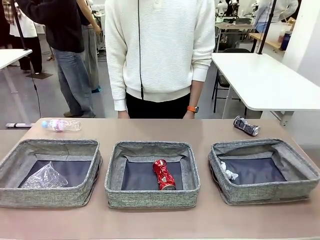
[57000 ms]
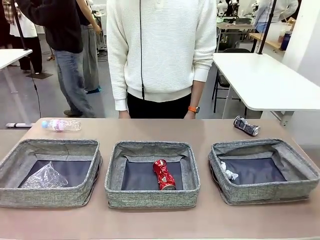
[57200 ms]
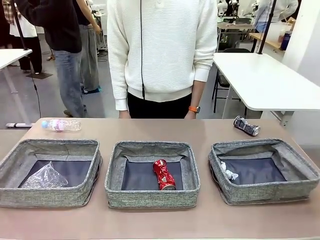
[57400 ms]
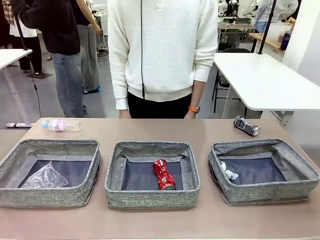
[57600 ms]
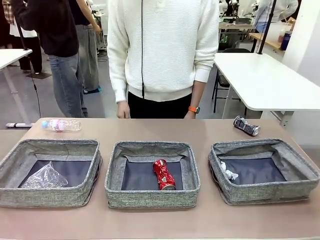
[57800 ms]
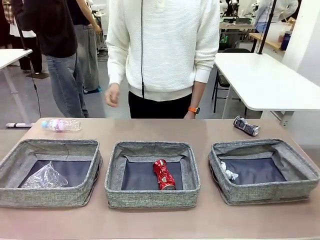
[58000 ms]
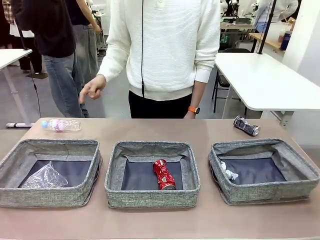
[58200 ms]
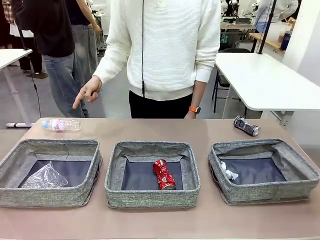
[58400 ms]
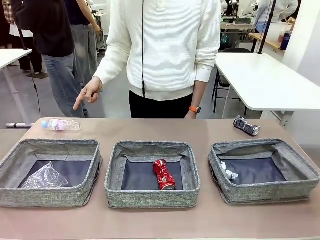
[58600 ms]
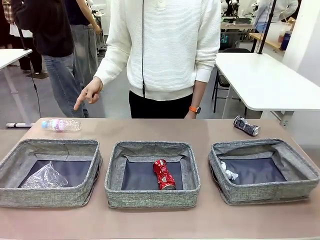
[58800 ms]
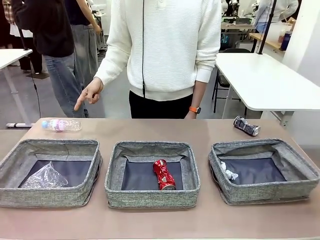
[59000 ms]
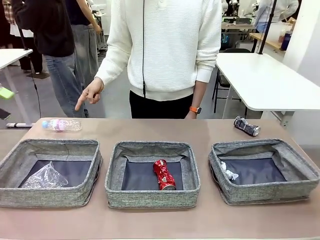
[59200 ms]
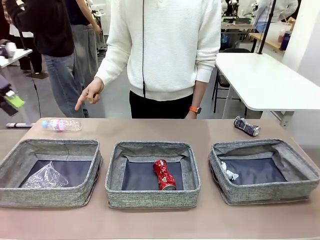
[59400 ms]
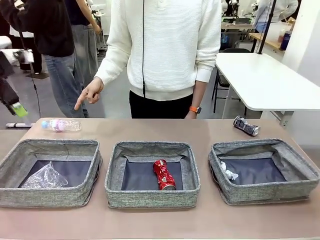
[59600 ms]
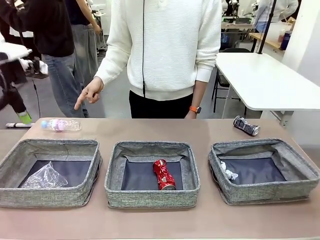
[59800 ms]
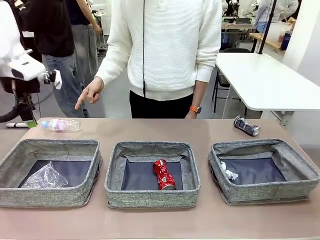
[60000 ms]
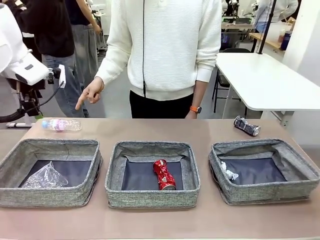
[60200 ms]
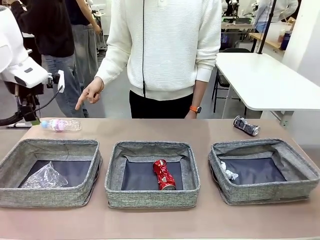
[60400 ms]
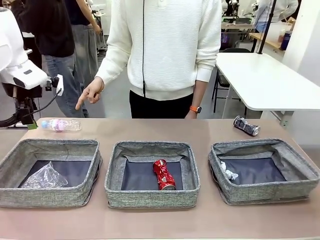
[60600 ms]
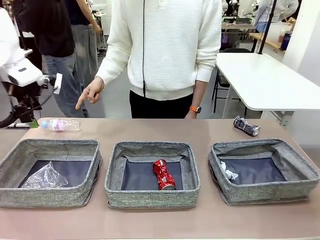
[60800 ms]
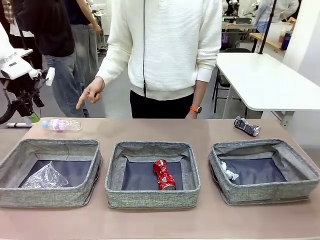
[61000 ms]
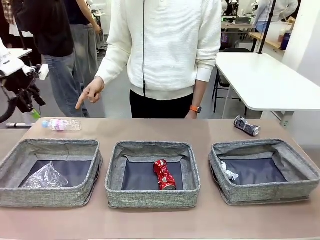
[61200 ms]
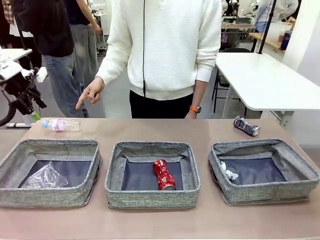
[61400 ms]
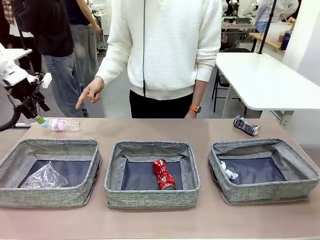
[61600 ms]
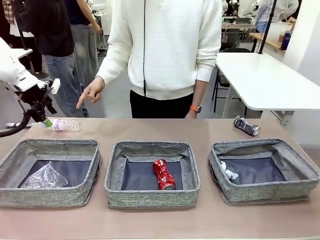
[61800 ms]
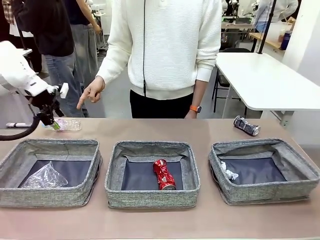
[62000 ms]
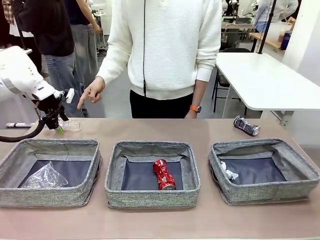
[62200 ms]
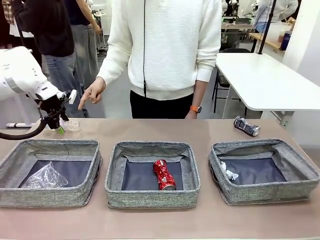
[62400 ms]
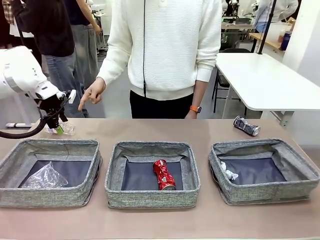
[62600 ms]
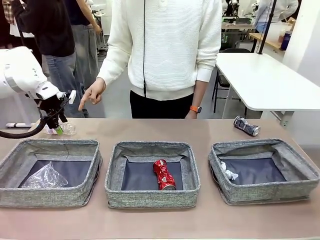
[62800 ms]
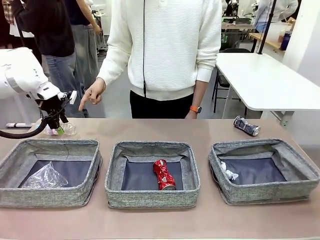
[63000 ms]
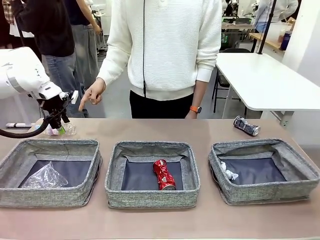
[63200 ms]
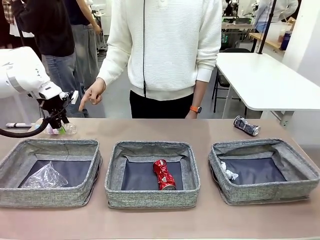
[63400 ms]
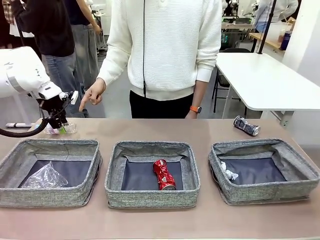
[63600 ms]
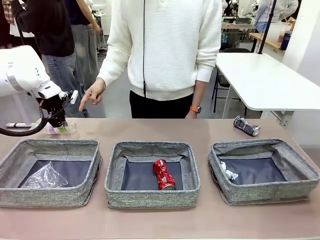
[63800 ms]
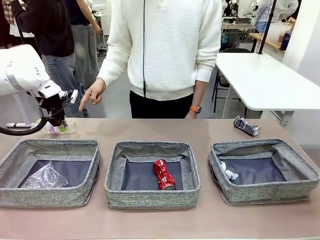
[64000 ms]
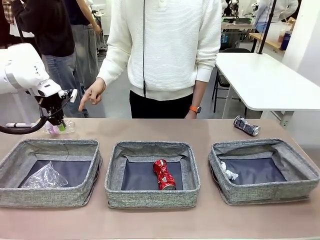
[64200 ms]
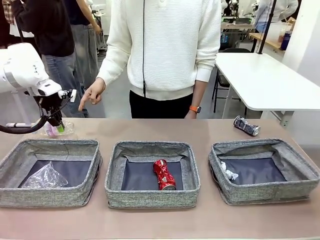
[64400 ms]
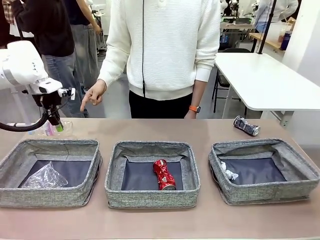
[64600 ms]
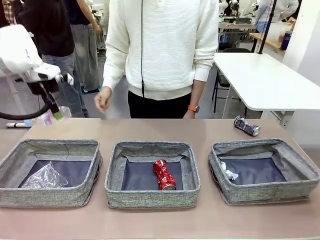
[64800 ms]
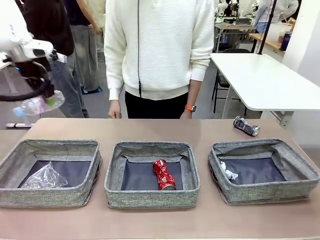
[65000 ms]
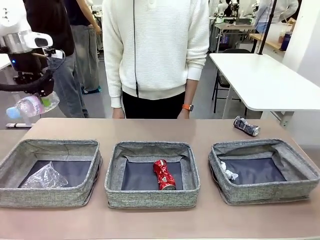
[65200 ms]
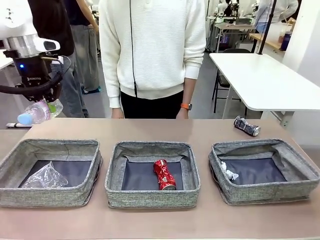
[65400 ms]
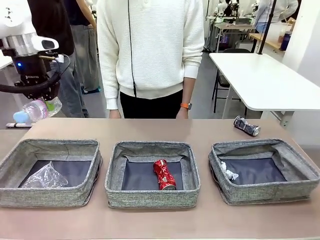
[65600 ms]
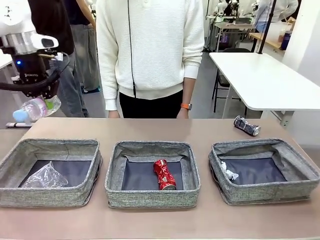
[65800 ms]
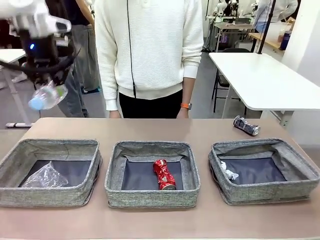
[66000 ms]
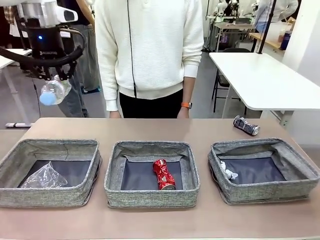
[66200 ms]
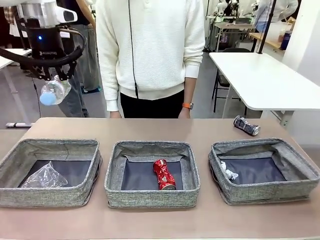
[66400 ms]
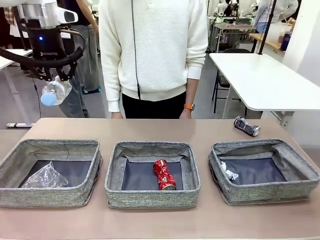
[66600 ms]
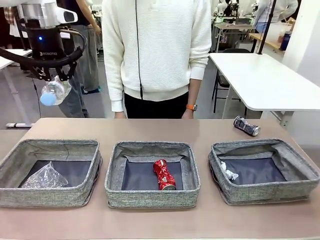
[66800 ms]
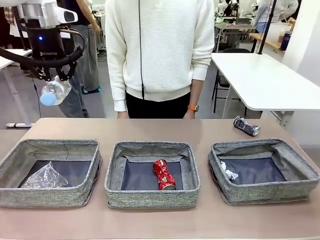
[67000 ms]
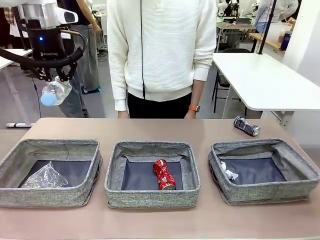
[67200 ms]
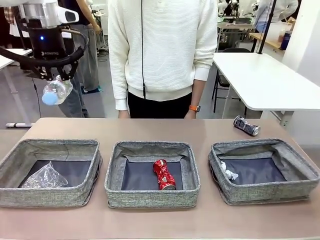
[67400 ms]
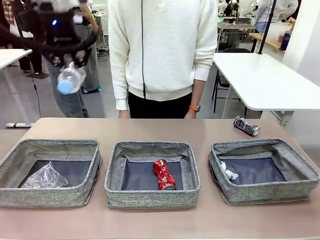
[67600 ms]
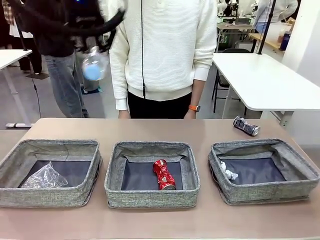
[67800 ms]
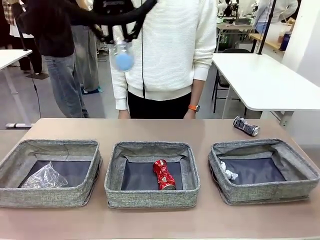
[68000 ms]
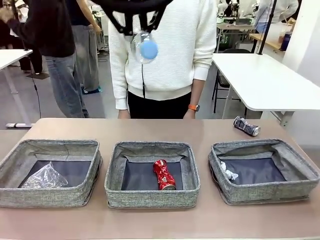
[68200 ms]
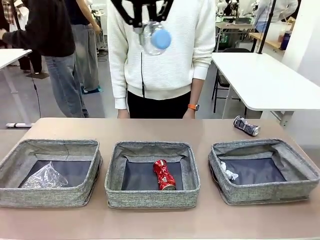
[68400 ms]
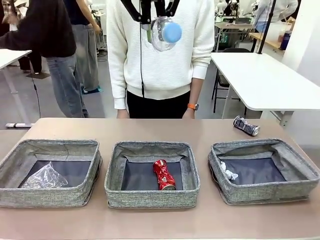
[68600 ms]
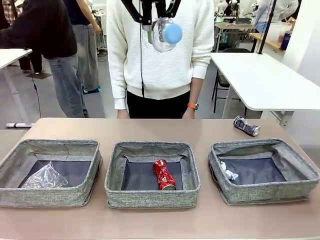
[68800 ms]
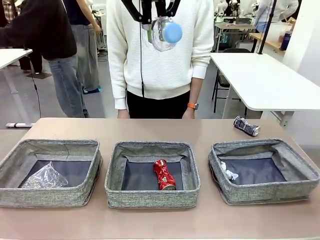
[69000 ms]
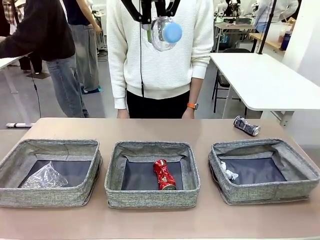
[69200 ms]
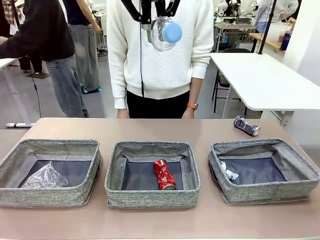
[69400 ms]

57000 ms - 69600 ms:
Task: Sort the waste into the appropriate baskets.
Robot: Pick up the waste item pointed out by the person.
Person: Points to one piece of trash on the table.

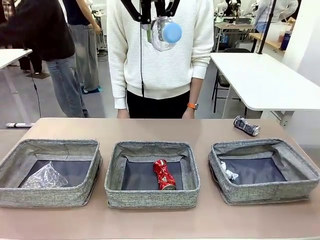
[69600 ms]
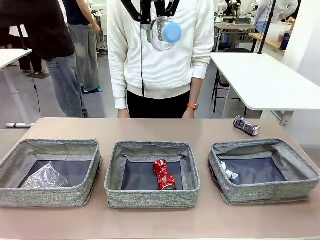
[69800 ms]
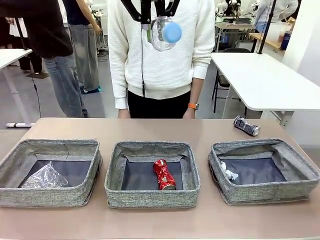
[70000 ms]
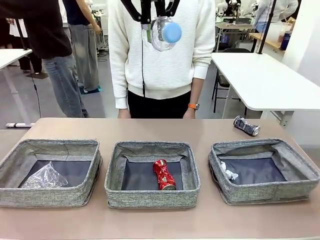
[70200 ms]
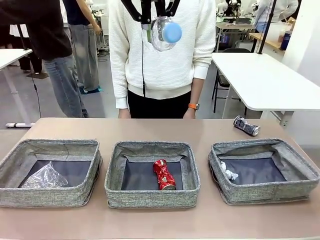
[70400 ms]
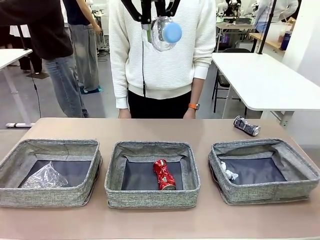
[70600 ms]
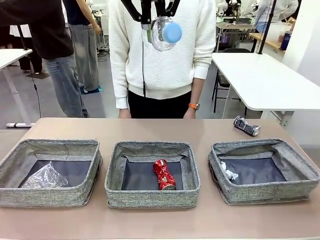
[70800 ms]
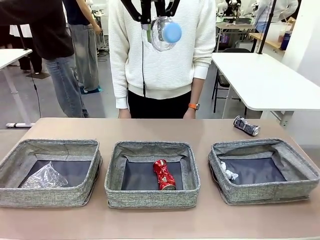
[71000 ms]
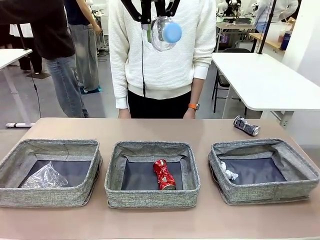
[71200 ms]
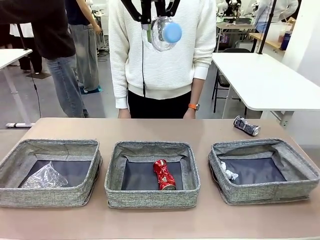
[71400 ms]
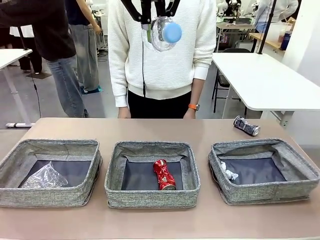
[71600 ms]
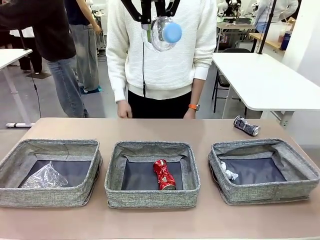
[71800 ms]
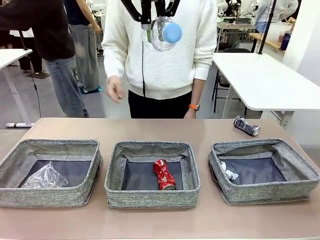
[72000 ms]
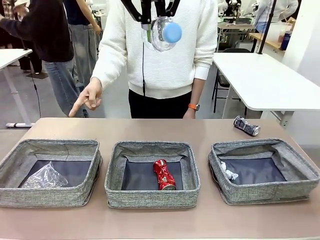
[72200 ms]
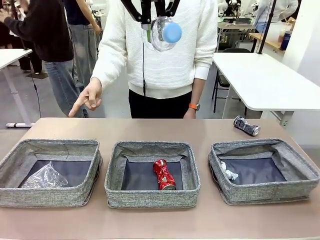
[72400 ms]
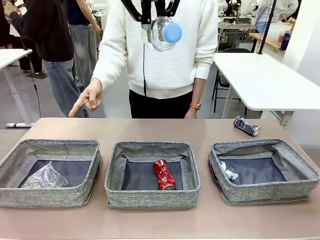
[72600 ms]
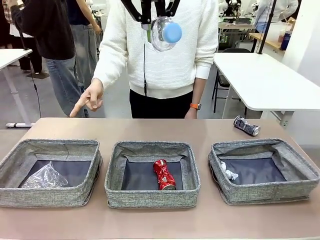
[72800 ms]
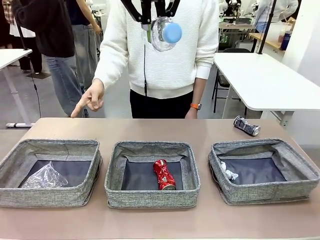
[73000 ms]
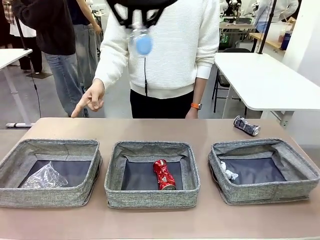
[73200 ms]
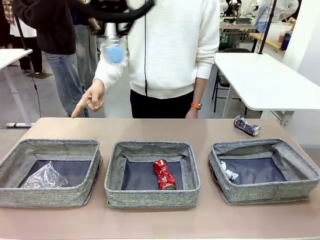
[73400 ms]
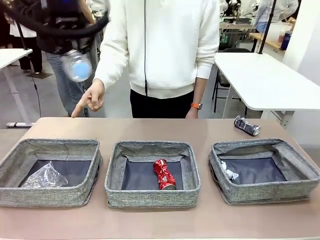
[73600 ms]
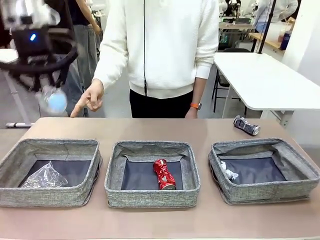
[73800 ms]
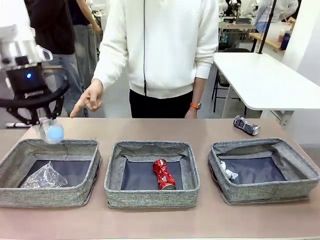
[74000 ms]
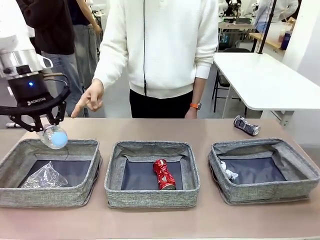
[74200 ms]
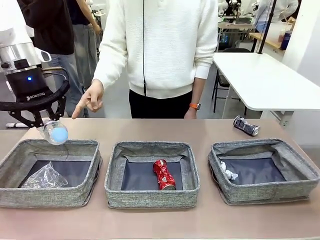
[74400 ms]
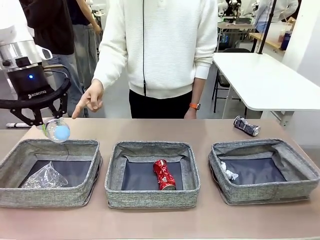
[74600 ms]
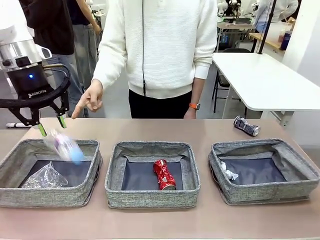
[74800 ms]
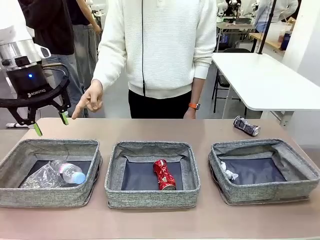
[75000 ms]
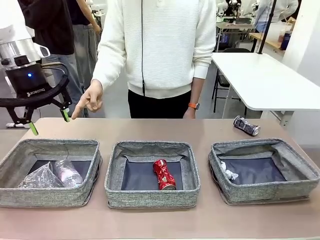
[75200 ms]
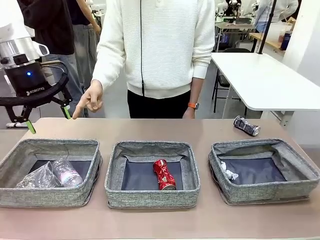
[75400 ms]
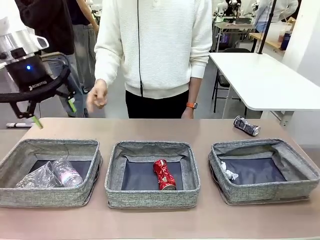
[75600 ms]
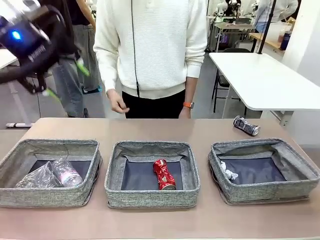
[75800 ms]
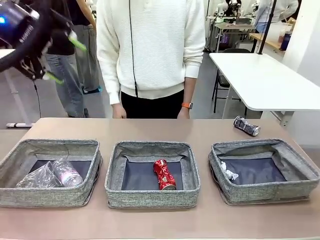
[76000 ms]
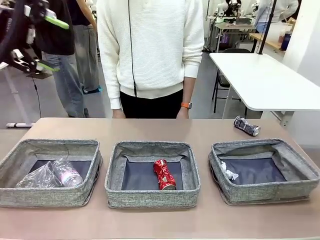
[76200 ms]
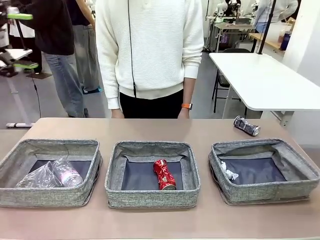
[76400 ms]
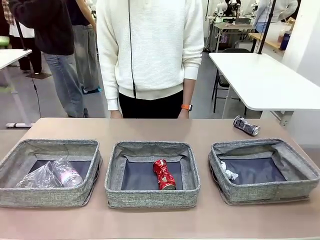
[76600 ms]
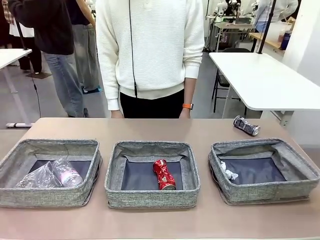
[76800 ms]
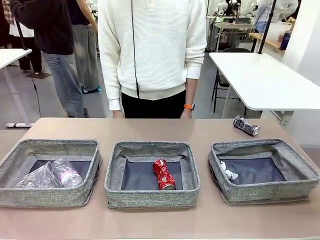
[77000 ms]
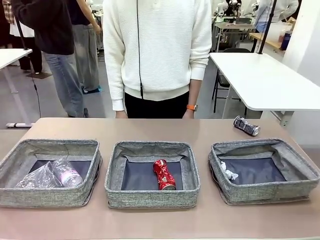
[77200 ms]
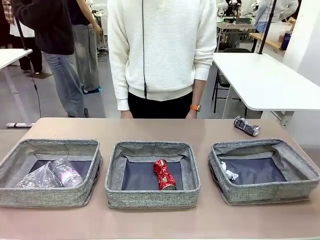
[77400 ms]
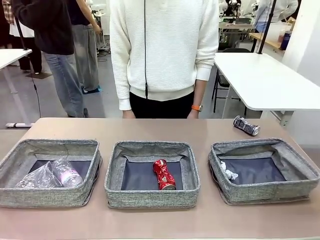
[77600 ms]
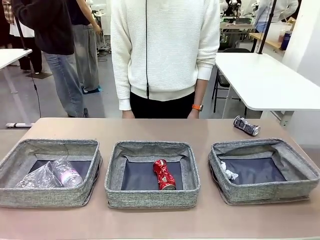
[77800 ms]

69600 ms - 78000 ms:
Robot: Place the picked waste into the Fabric basket indicated by the person.
Person: Instructs the robot to place the picked-up trash into the appropriate organizing basket.
